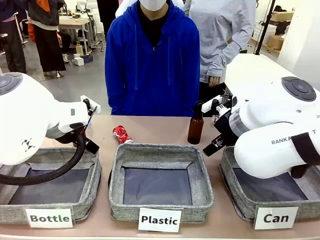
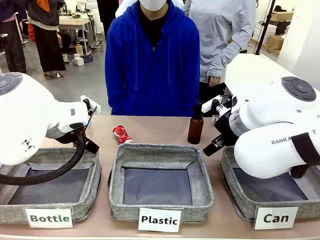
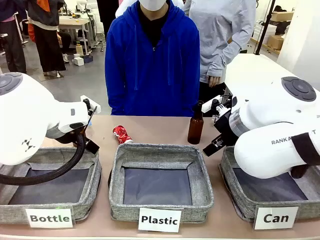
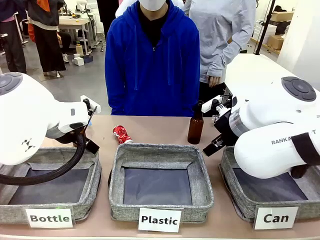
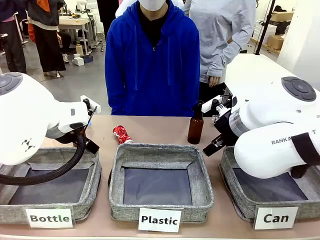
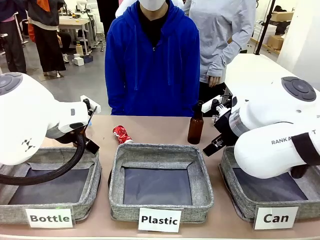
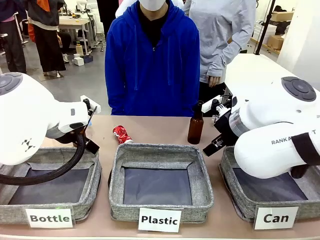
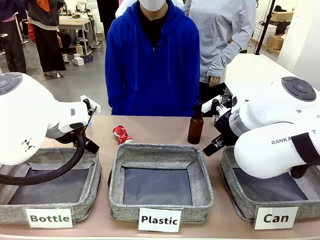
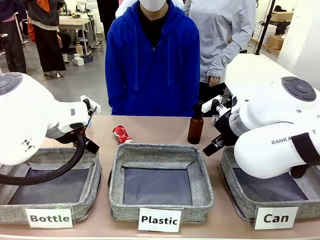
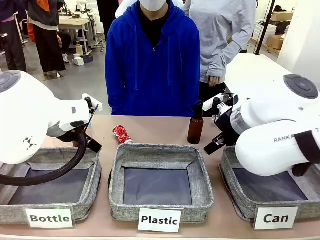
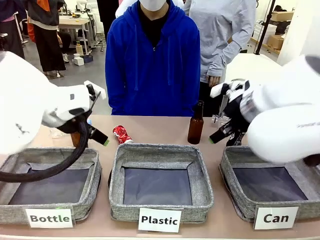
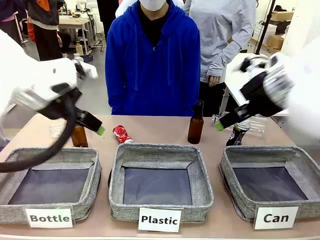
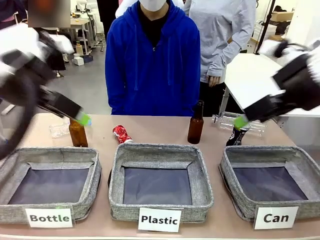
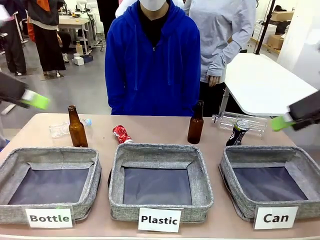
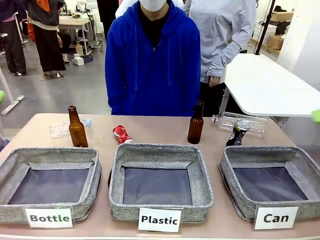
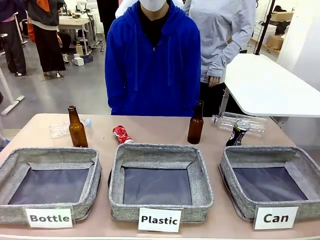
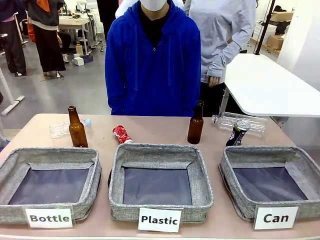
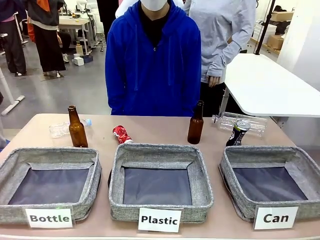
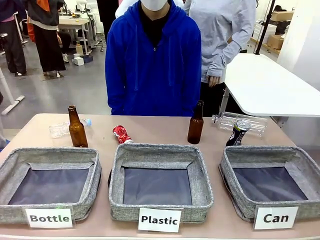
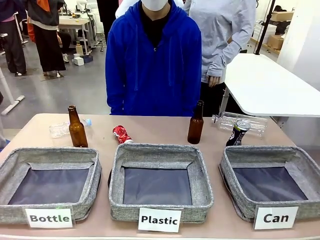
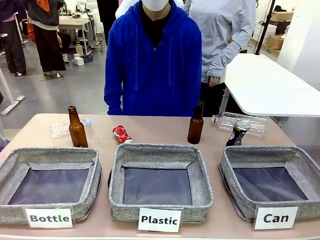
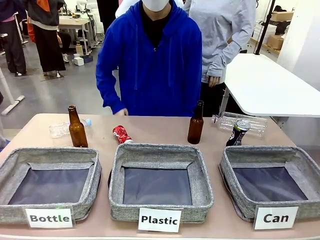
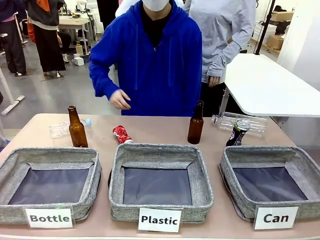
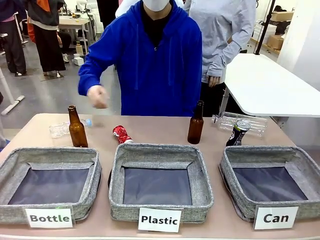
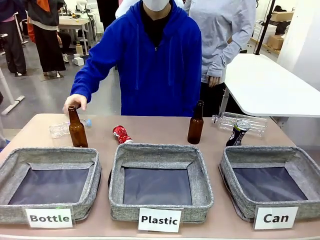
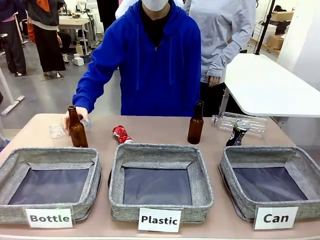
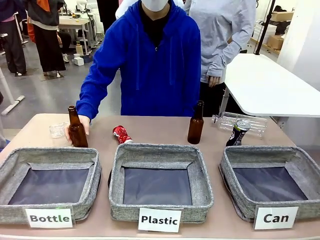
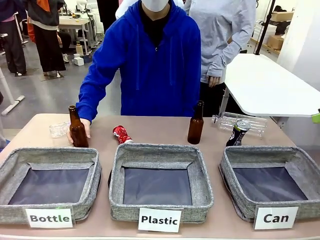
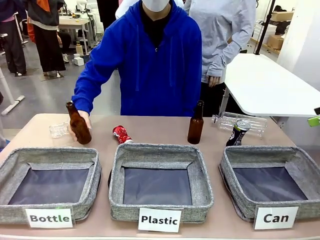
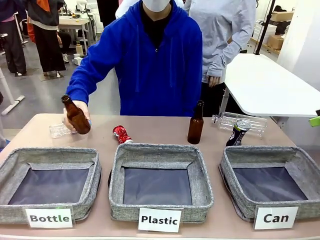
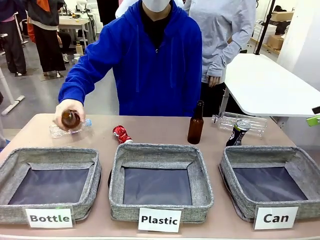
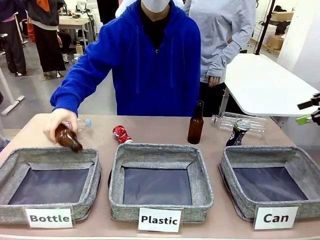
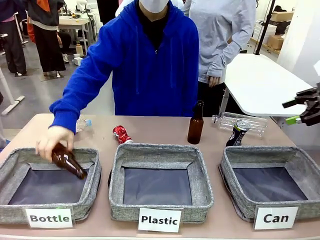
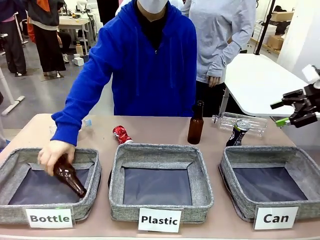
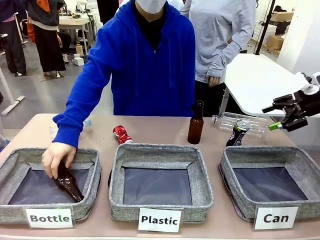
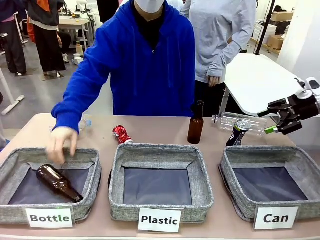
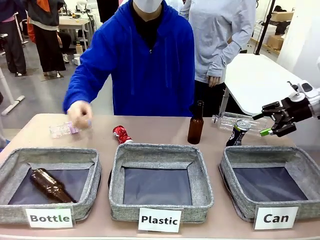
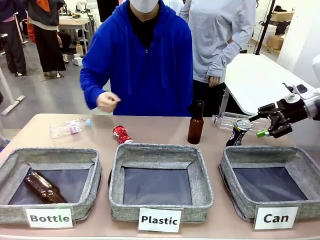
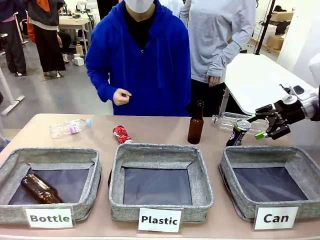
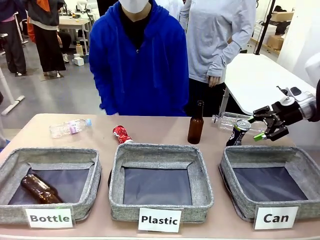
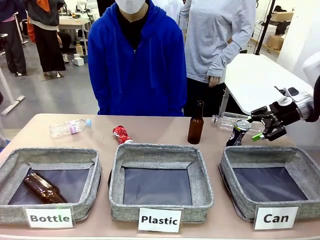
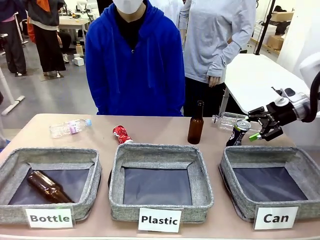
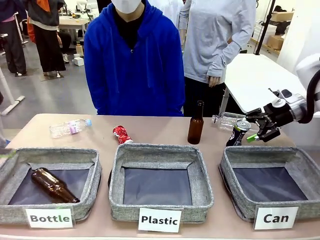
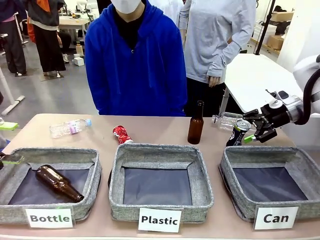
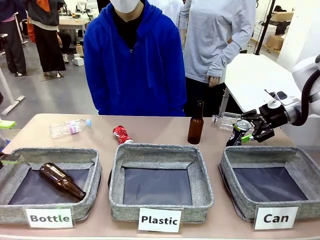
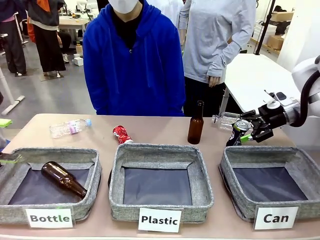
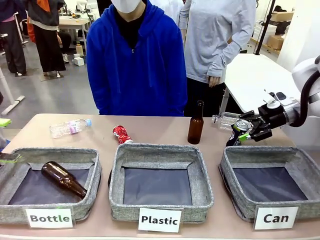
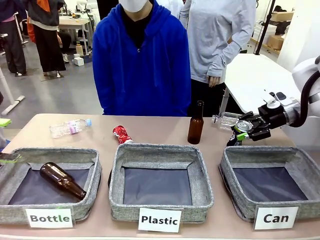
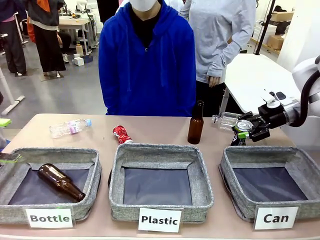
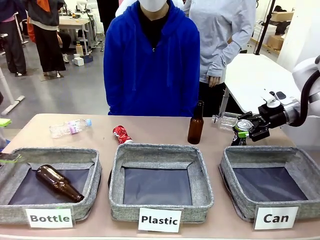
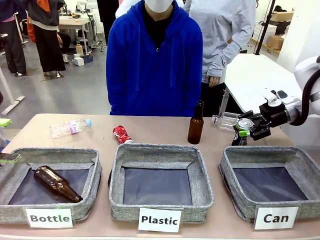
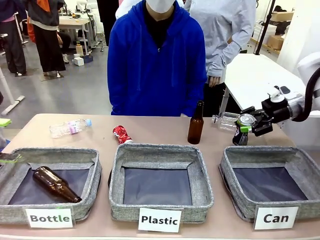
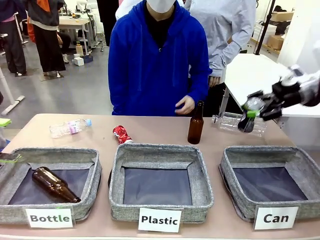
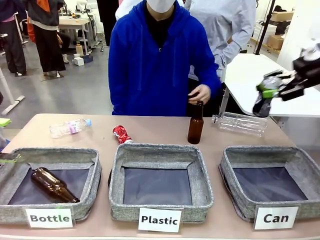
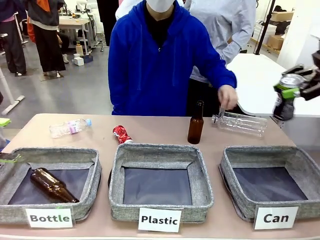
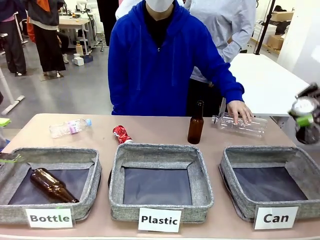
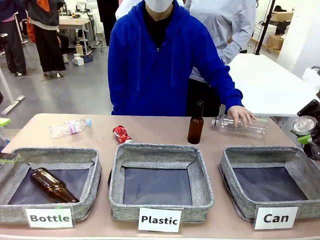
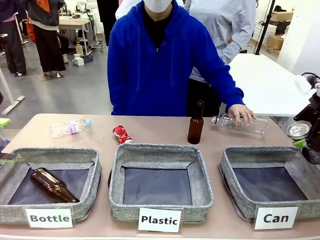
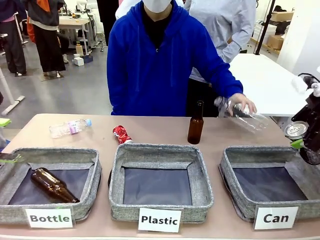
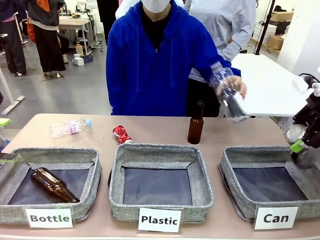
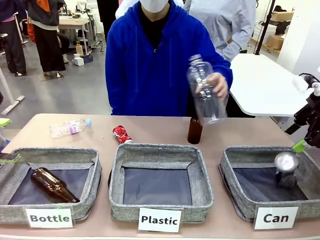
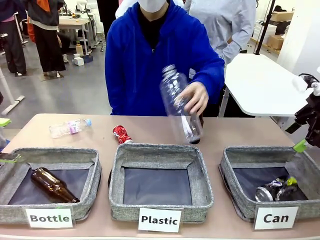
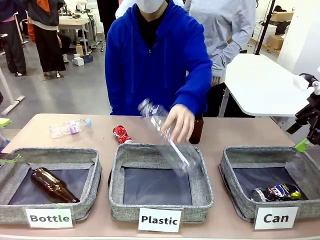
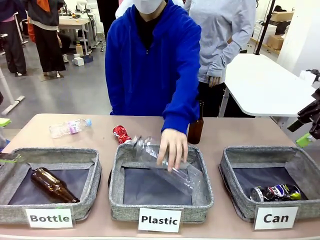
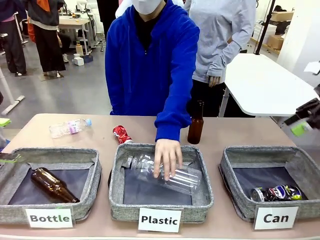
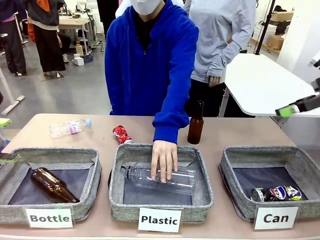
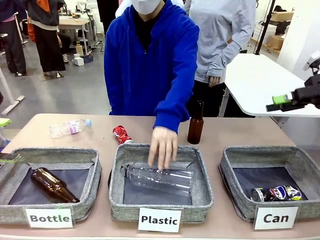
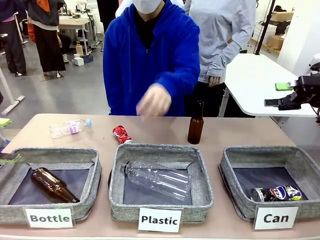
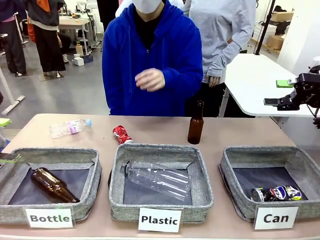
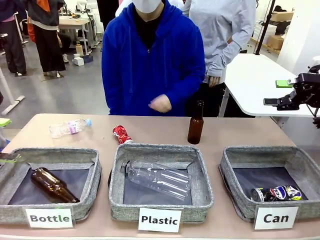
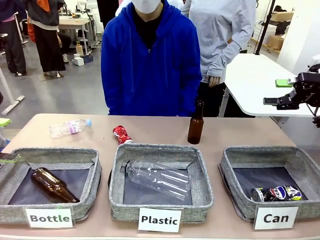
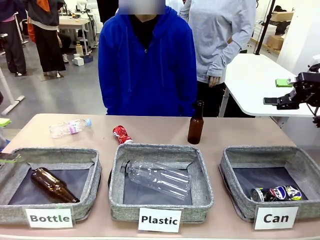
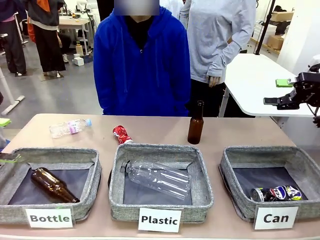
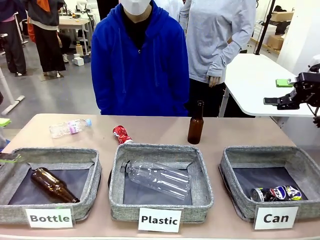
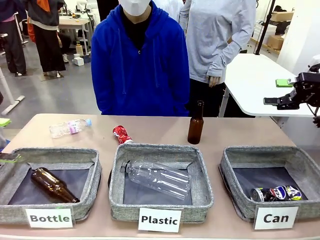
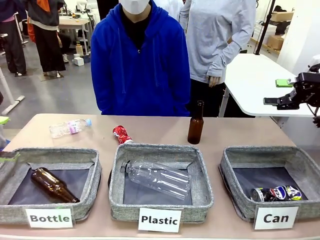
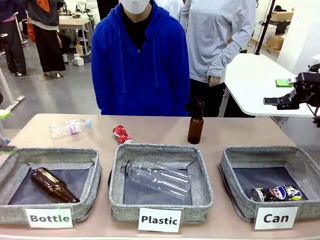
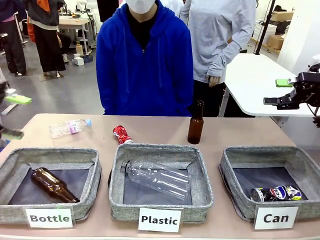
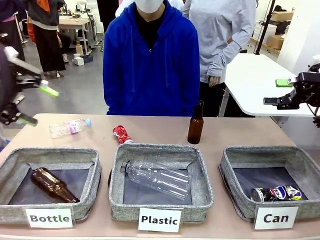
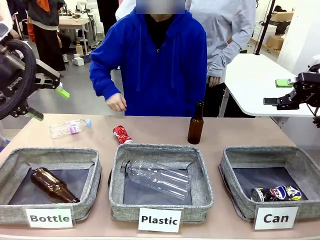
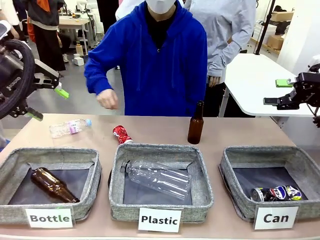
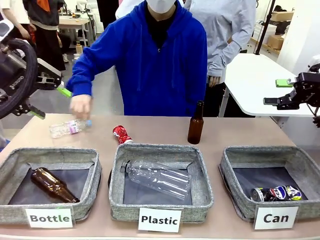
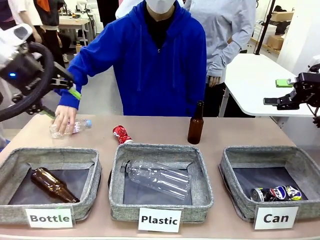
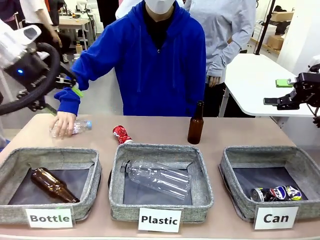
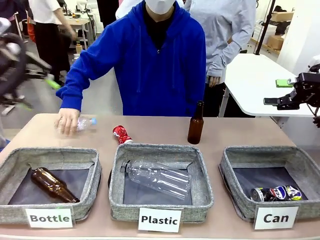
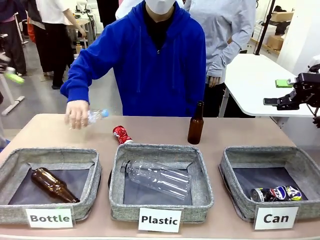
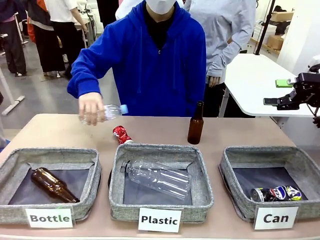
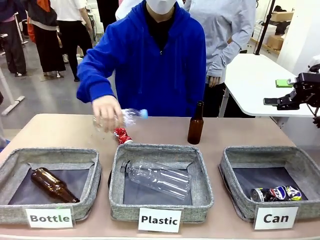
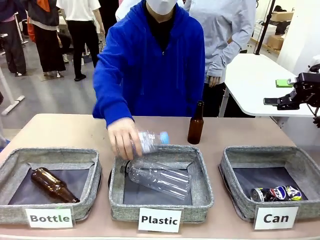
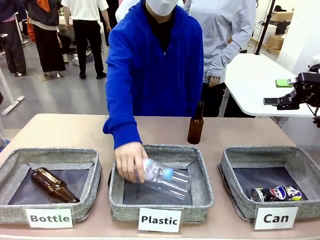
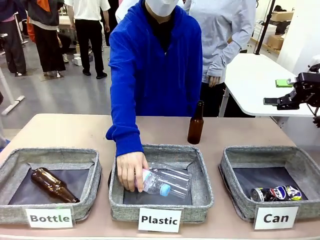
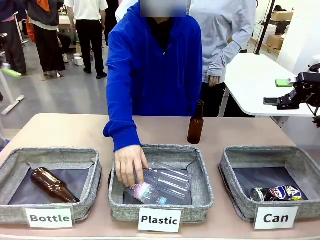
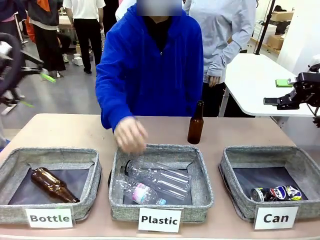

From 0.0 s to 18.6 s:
Task: Sort the can waste into the basket.
Robot: Pick up the can waste from the table and place it in the right Fabric basket.
